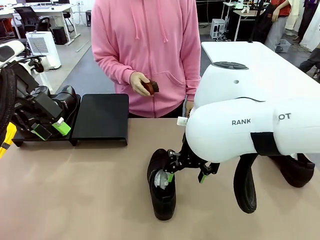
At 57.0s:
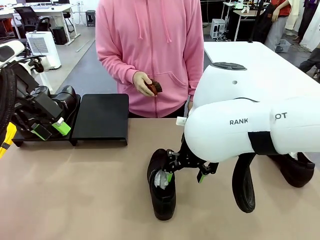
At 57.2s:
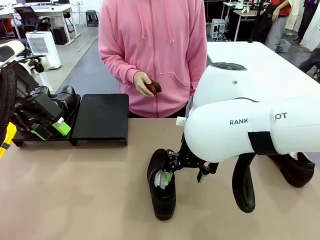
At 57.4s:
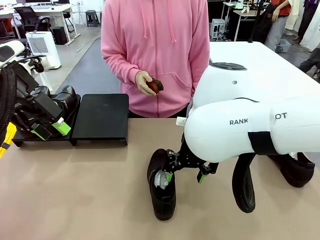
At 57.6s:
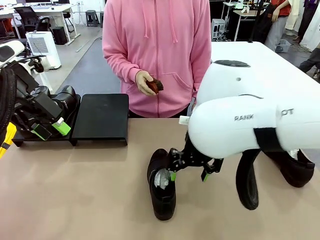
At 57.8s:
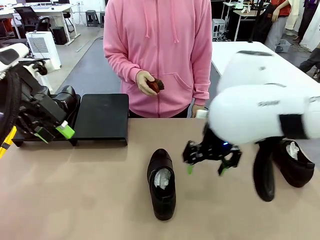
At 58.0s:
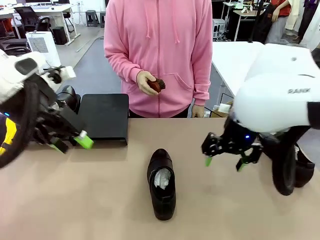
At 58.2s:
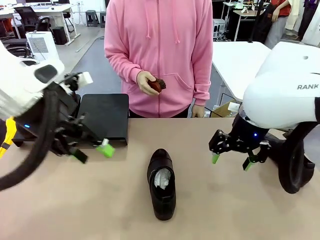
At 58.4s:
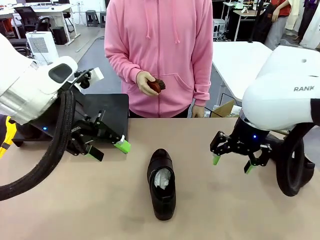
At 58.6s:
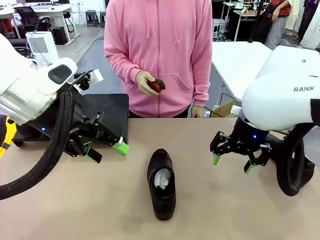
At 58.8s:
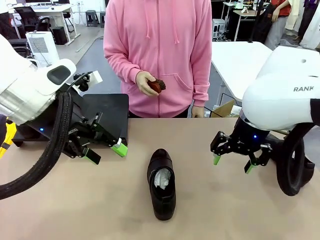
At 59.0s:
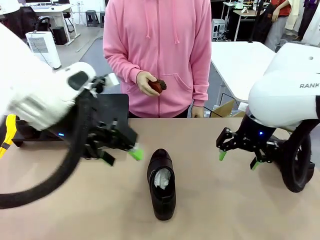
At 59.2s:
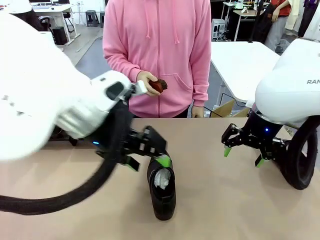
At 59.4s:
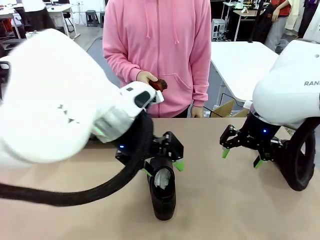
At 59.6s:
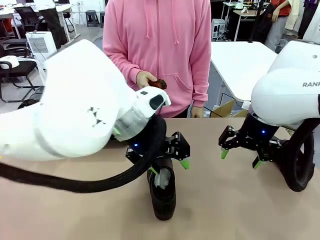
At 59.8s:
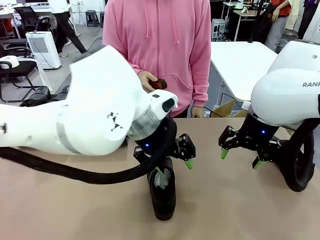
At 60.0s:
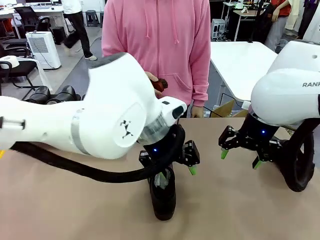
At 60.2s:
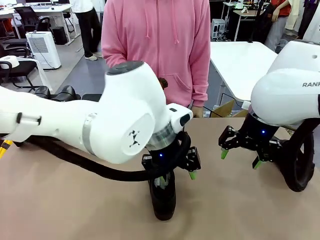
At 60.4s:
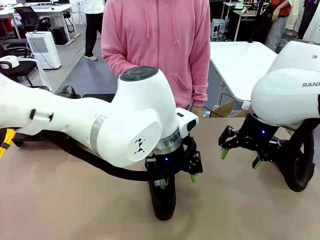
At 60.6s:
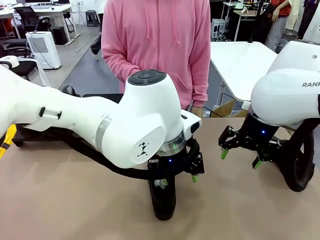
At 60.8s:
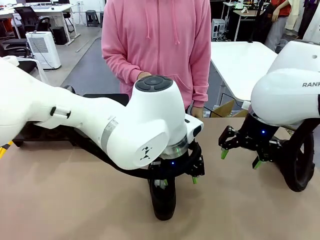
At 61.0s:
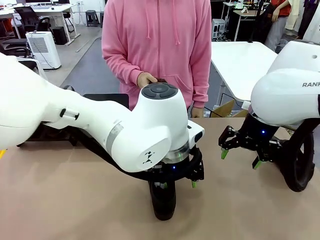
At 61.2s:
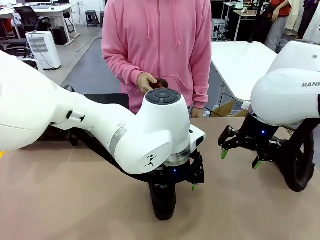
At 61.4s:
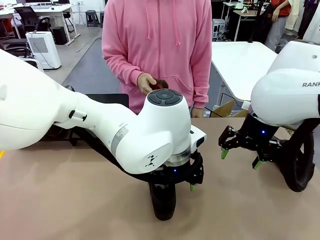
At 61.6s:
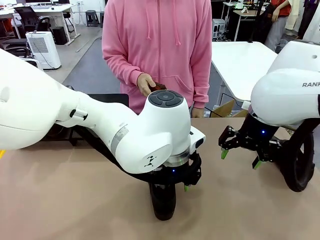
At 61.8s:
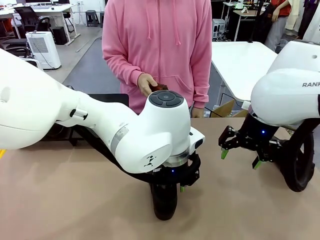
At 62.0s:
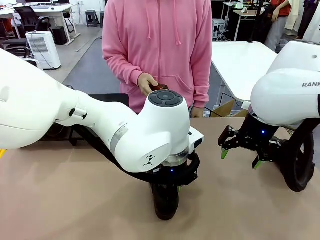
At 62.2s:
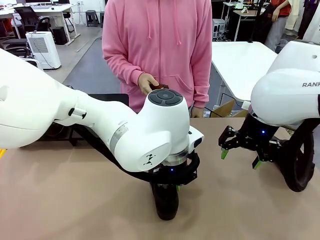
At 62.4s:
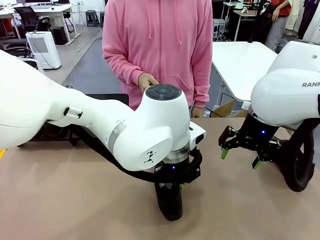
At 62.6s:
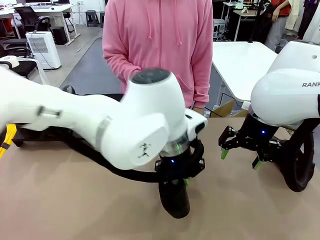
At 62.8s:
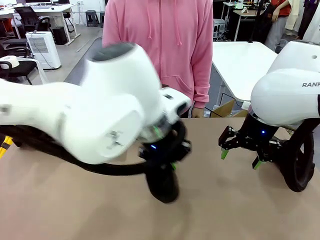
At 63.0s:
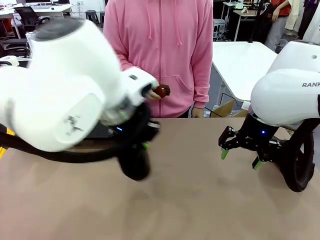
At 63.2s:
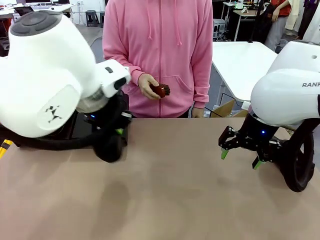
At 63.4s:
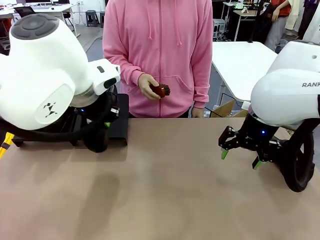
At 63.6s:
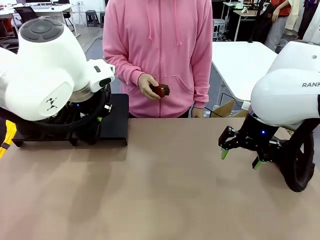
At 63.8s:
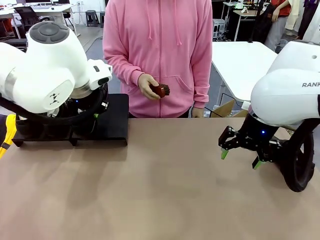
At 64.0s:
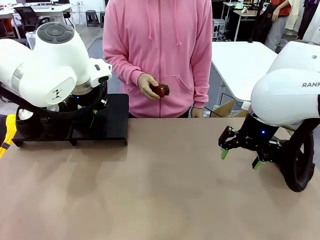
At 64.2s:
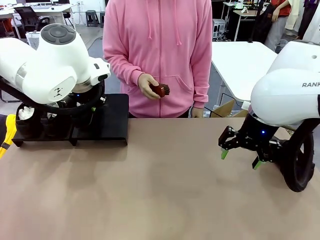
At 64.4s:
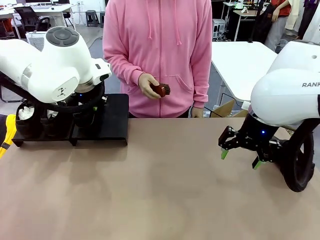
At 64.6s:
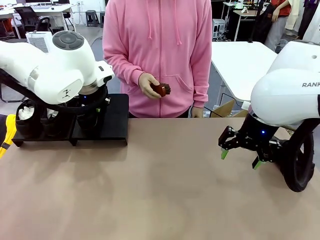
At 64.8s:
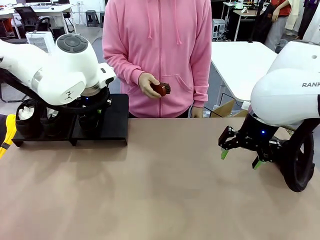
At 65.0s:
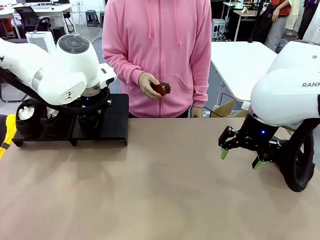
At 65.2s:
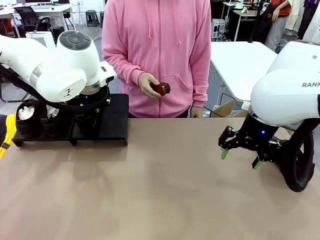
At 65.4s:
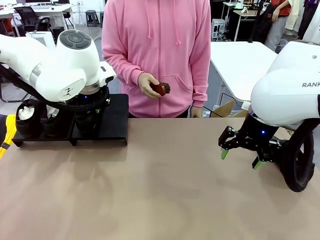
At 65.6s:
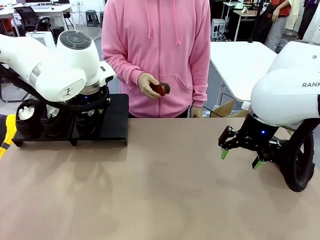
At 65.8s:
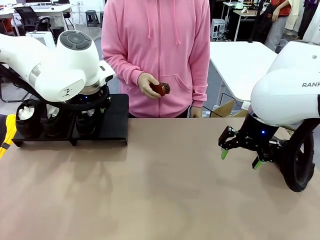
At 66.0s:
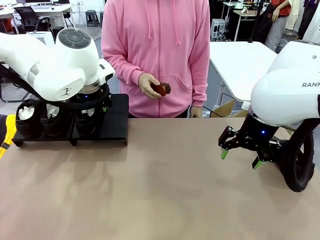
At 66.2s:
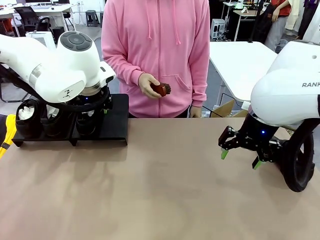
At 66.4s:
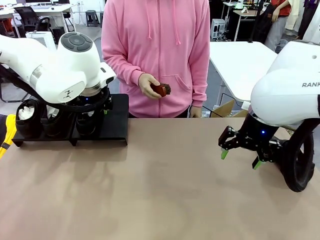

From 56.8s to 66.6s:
Task: Organize the shoes by placing them on the stand.
Robot: Place the Shoe from the middle of the table onto the Shoes Stand.

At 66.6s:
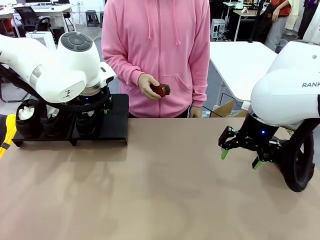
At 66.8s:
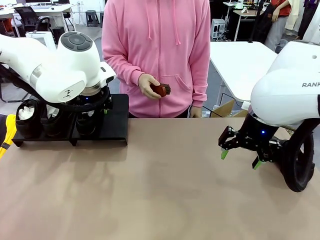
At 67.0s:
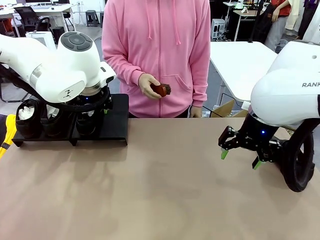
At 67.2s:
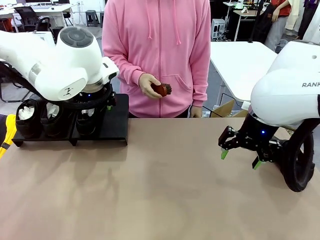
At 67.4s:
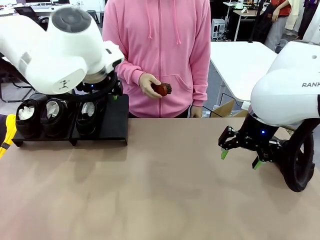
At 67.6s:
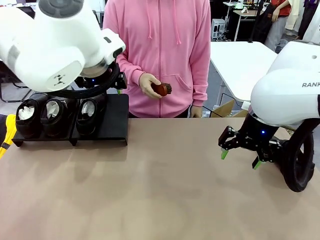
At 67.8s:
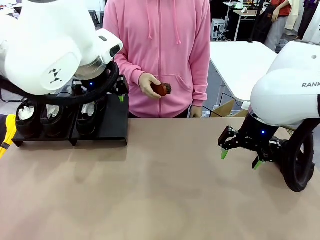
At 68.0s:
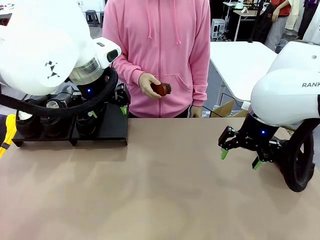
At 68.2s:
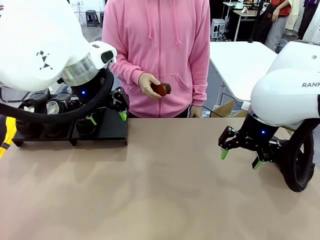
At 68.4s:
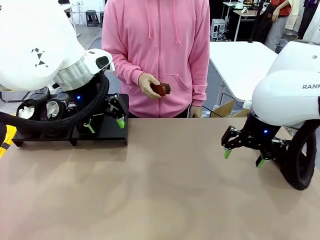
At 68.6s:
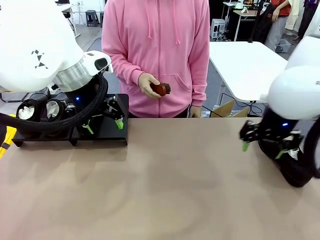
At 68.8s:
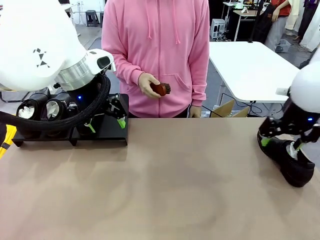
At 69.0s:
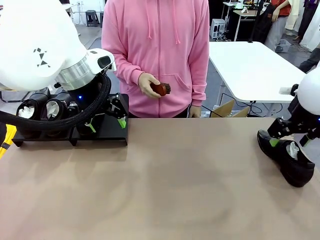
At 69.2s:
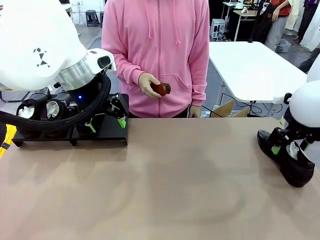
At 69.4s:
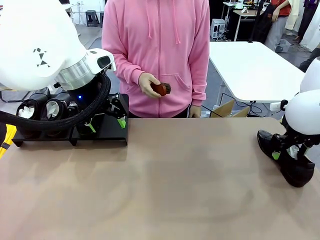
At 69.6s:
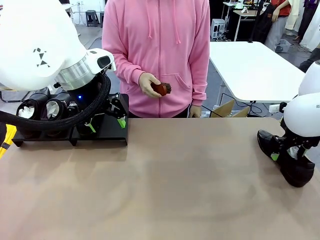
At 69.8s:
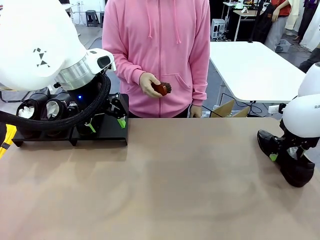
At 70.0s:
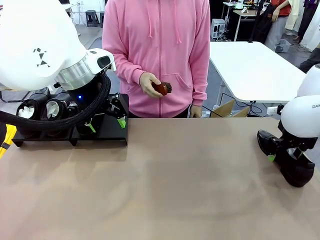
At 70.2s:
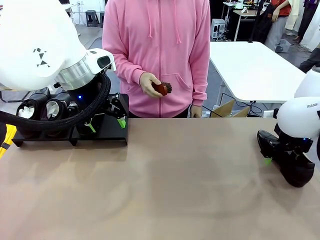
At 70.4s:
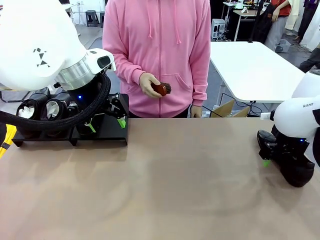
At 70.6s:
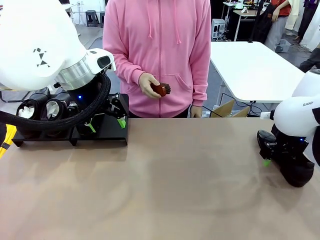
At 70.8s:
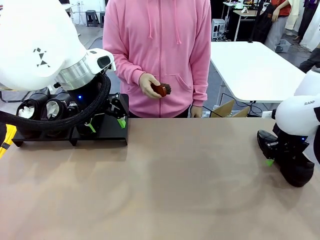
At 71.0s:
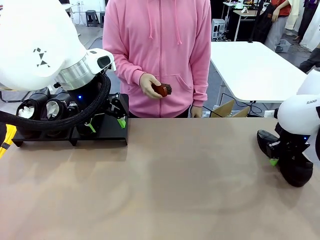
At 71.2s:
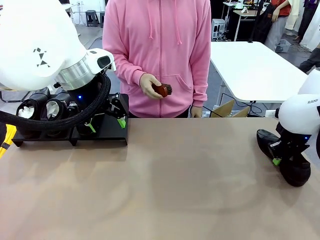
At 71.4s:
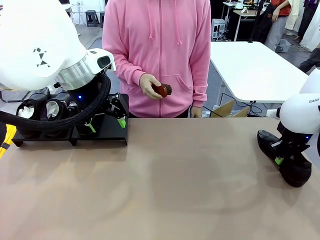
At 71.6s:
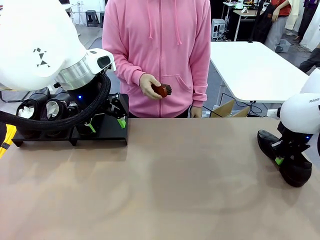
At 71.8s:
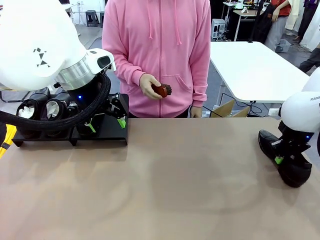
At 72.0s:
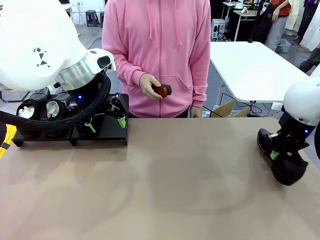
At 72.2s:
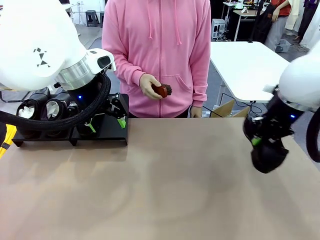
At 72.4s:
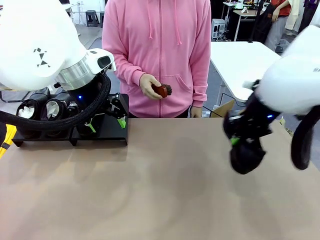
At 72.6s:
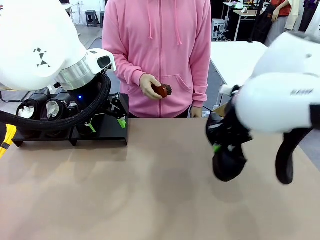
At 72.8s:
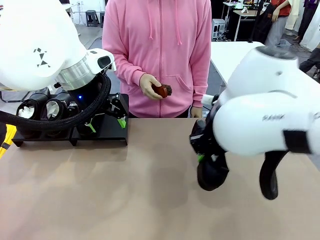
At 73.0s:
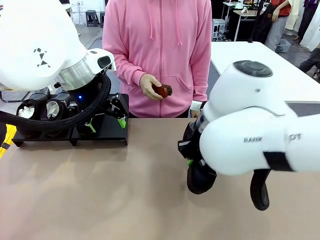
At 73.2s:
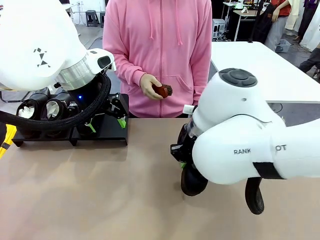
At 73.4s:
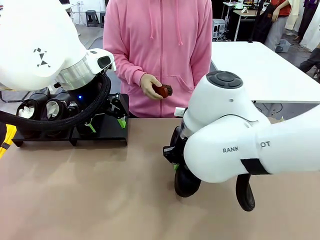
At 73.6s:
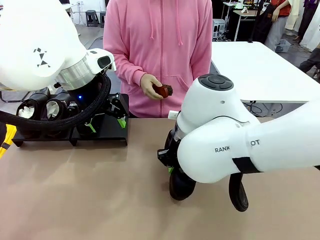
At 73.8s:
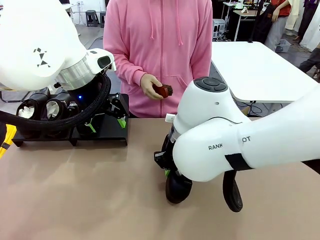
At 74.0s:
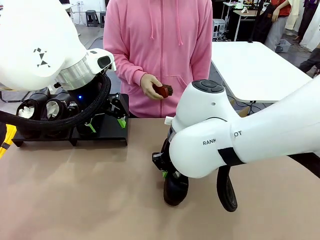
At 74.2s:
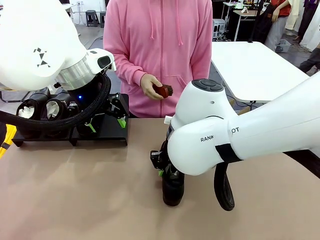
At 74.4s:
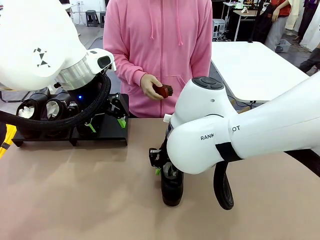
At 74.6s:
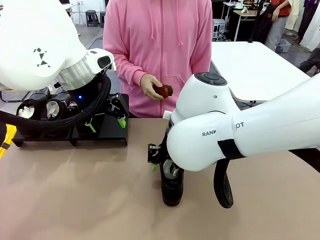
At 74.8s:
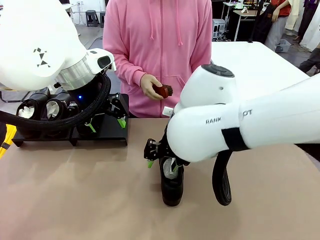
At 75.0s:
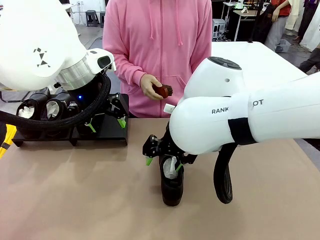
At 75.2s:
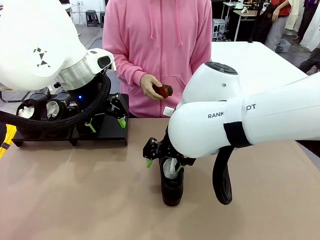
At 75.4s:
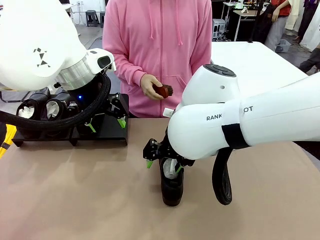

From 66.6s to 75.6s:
Robot: Pick up one Shoe and place it in the middle of the table.

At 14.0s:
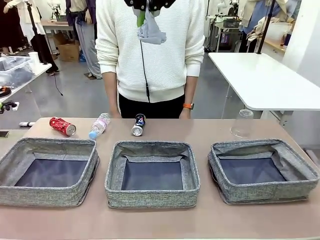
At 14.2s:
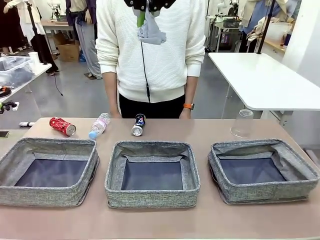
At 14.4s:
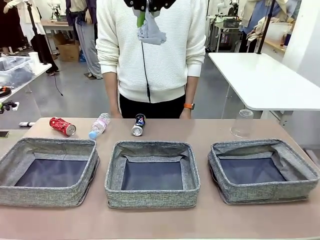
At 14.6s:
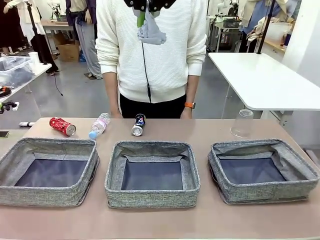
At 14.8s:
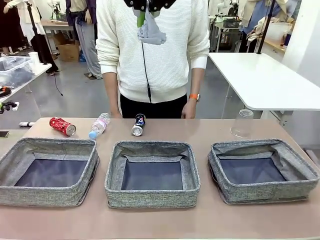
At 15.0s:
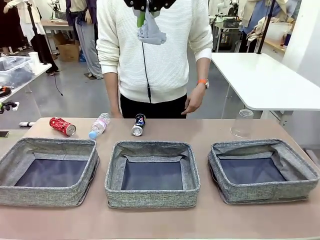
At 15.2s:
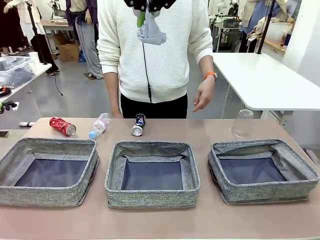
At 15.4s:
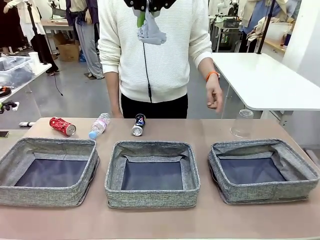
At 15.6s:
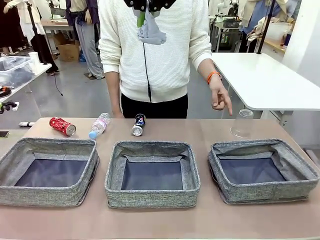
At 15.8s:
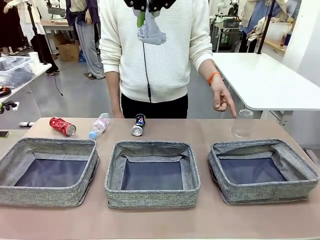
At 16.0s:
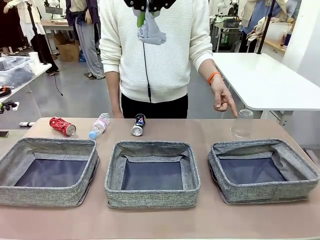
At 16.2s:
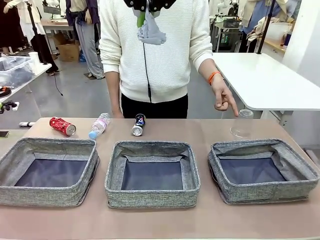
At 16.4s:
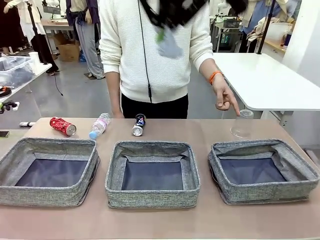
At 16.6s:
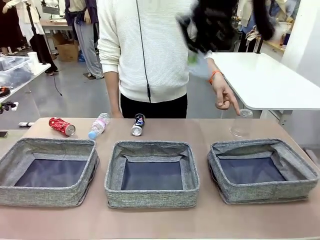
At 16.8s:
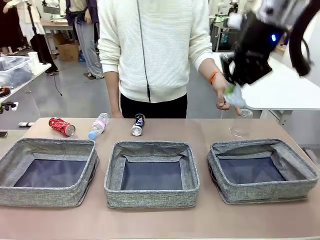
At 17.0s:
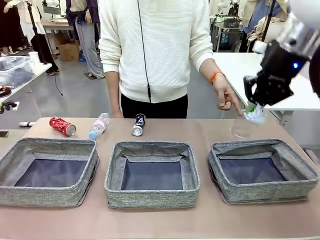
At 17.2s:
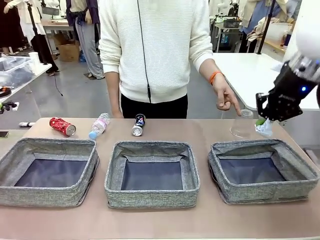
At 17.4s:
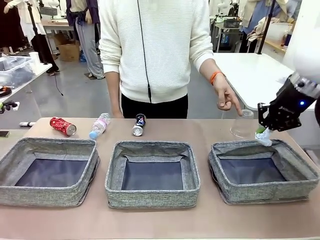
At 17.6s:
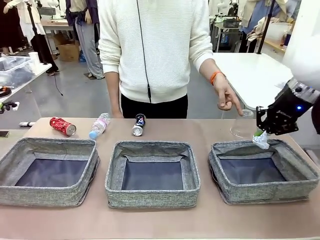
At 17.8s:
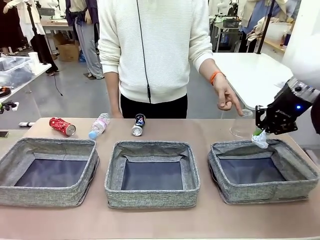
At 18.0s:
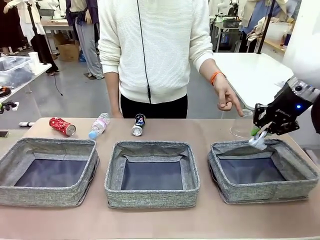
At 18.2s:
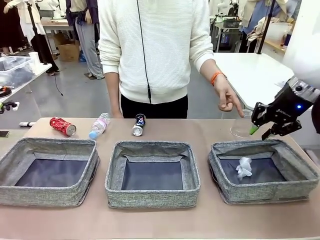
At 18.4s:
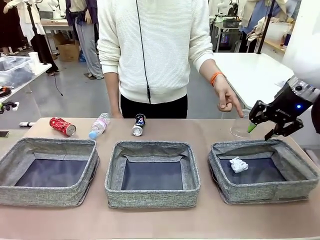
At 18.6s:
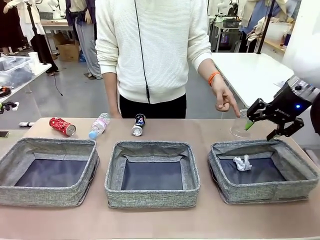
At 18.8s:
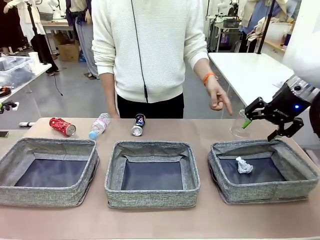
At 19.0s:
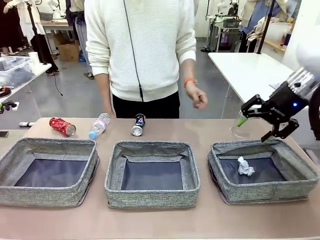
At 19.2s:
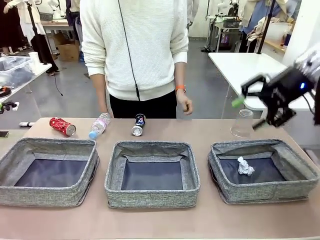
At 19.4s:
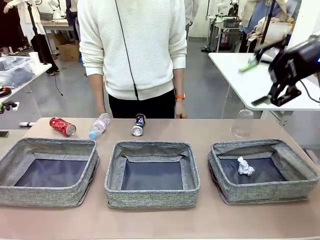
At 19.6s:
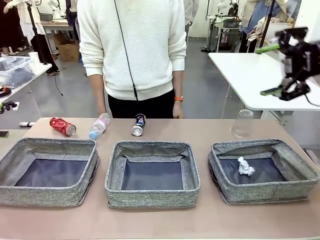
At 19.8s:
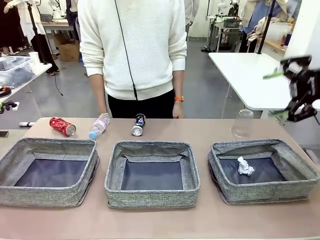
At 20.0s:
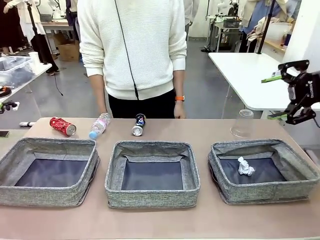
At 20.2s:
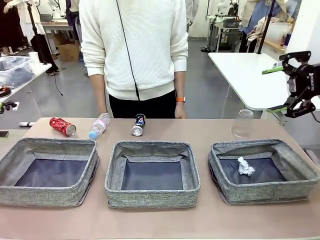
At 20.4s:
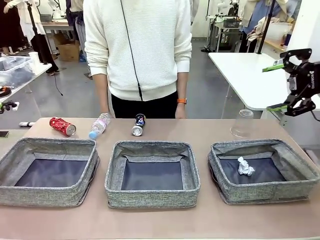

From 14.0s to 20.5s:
Task: Sort the waste into the appropriate baskets.
Robot: Place the picked waste into the Fabric basket indicated by the person.
Person: Instructs the robot to place the picked-up trash into the appropriate organizing basket.
